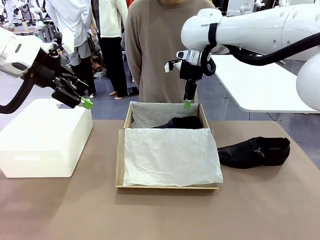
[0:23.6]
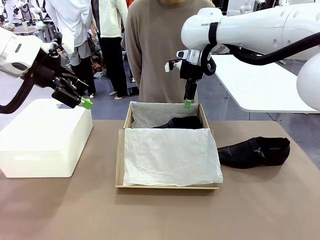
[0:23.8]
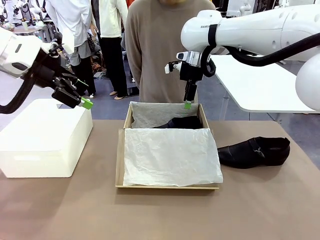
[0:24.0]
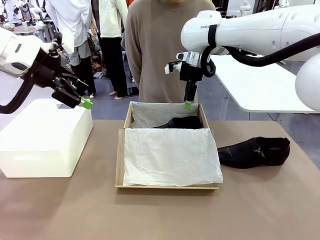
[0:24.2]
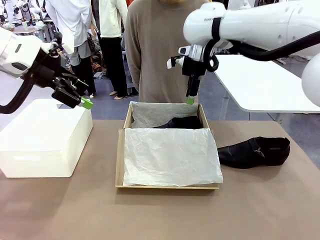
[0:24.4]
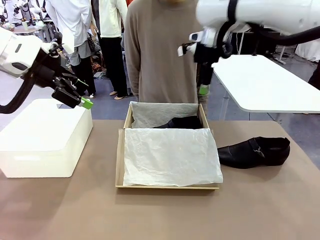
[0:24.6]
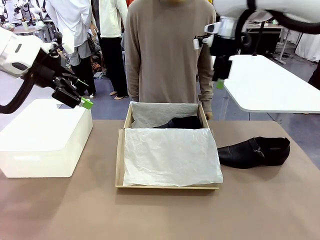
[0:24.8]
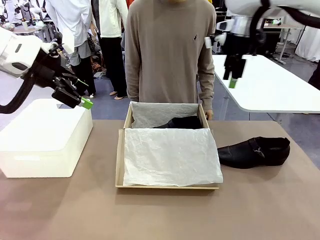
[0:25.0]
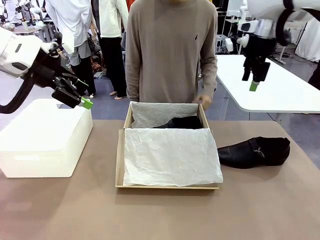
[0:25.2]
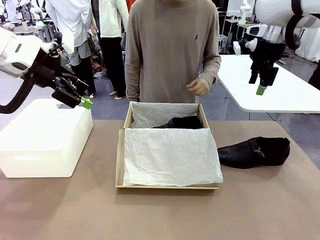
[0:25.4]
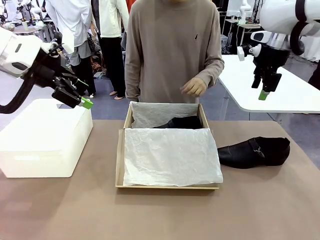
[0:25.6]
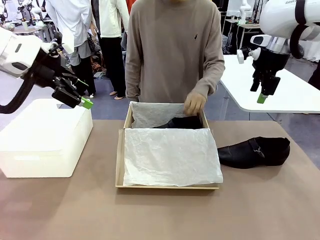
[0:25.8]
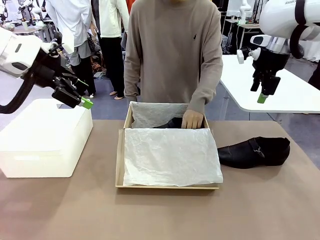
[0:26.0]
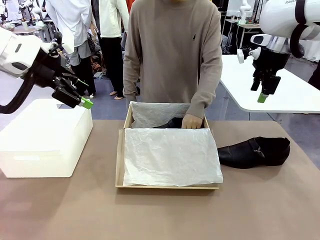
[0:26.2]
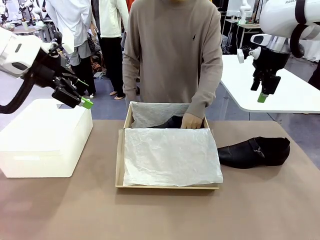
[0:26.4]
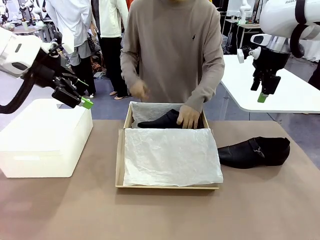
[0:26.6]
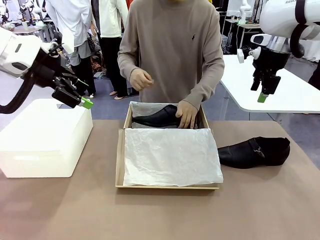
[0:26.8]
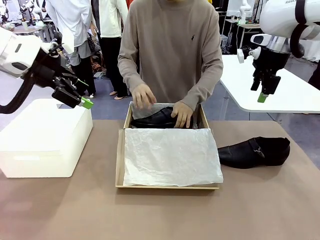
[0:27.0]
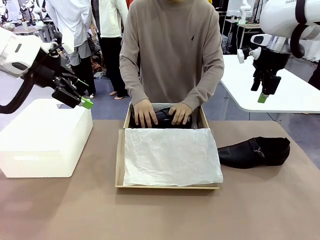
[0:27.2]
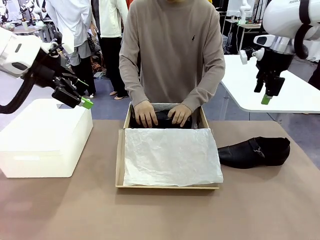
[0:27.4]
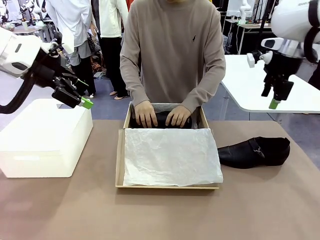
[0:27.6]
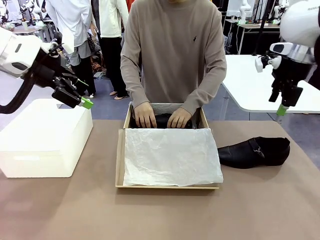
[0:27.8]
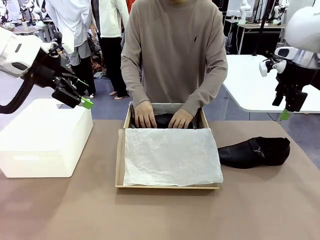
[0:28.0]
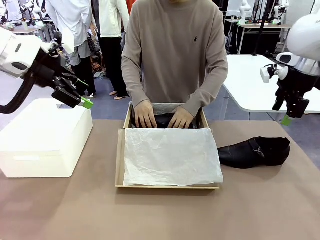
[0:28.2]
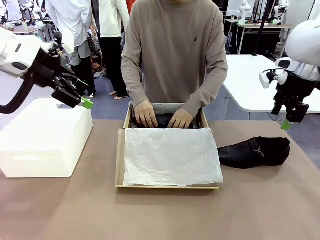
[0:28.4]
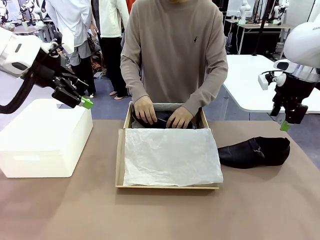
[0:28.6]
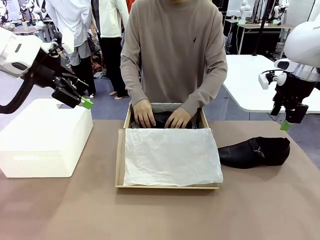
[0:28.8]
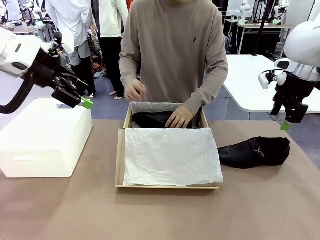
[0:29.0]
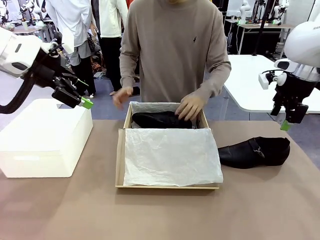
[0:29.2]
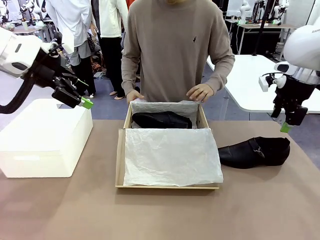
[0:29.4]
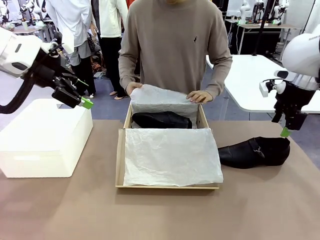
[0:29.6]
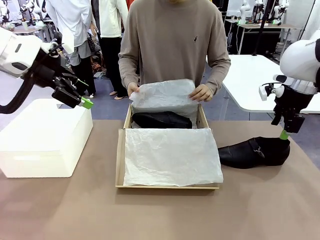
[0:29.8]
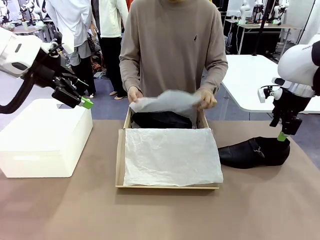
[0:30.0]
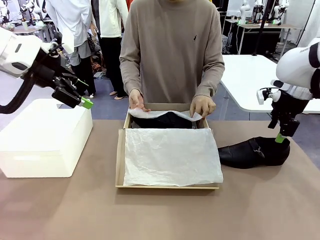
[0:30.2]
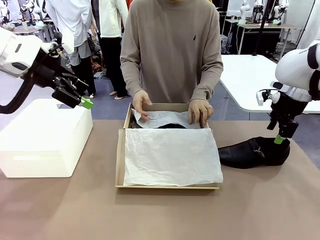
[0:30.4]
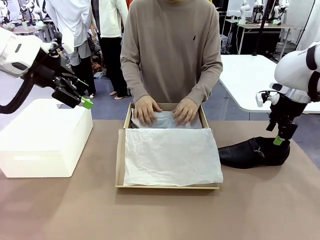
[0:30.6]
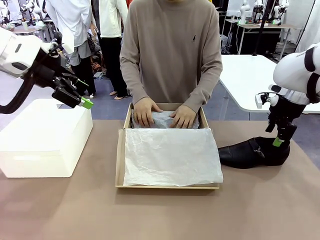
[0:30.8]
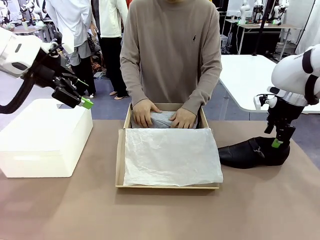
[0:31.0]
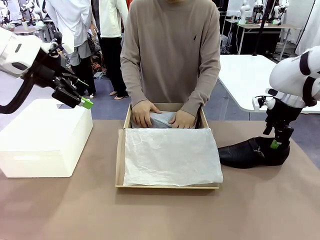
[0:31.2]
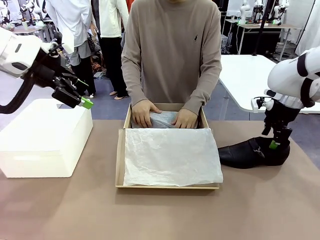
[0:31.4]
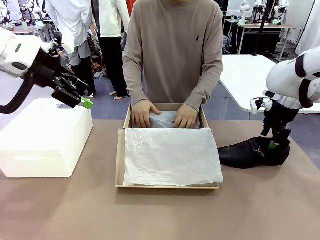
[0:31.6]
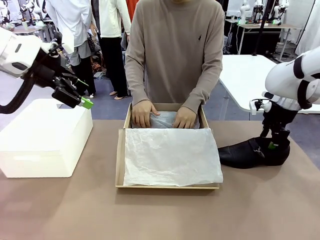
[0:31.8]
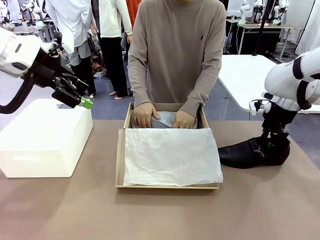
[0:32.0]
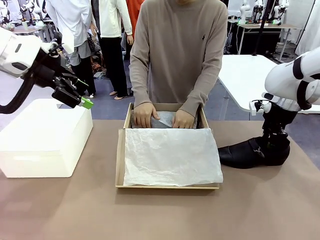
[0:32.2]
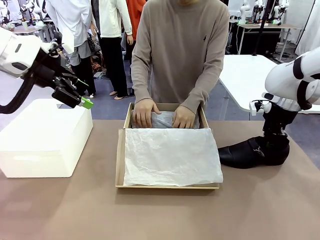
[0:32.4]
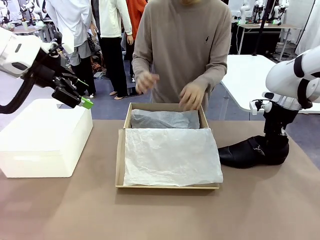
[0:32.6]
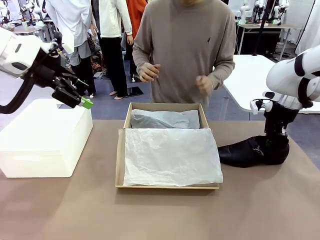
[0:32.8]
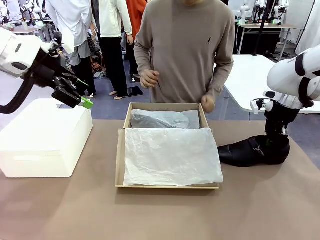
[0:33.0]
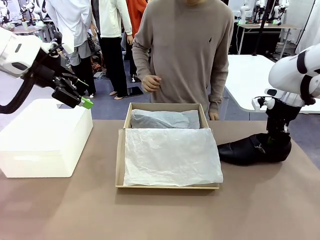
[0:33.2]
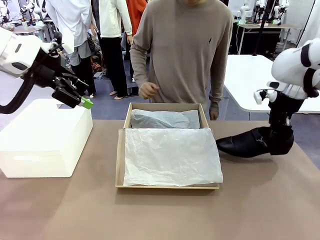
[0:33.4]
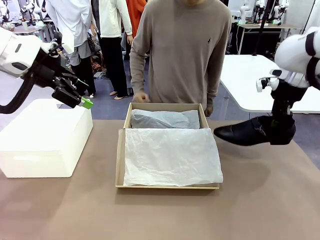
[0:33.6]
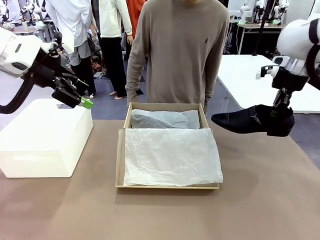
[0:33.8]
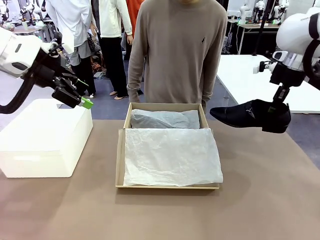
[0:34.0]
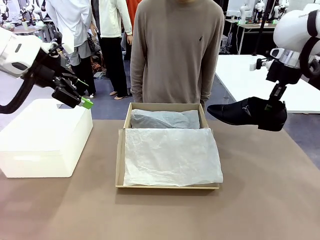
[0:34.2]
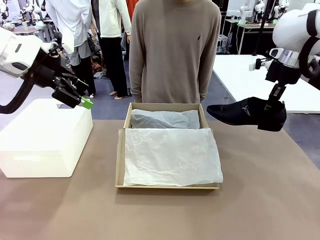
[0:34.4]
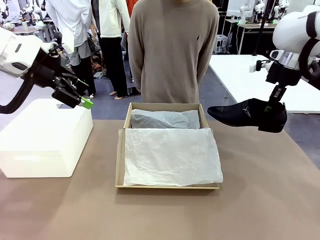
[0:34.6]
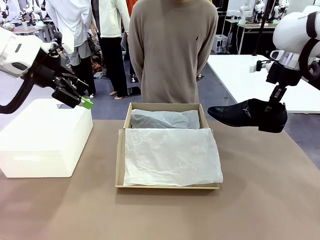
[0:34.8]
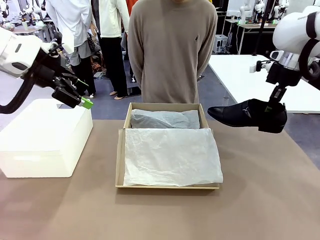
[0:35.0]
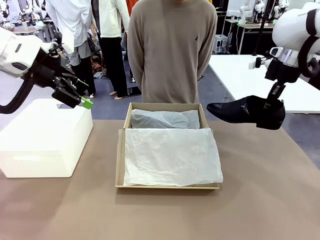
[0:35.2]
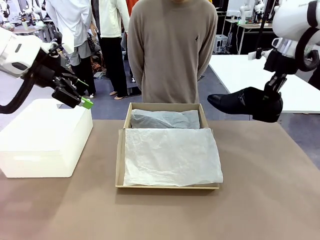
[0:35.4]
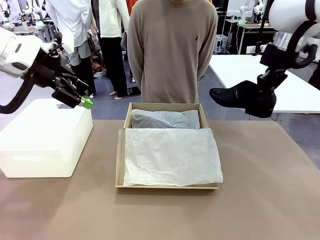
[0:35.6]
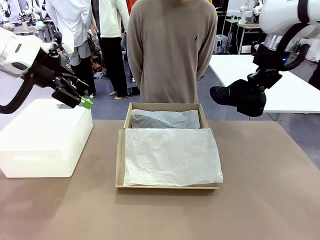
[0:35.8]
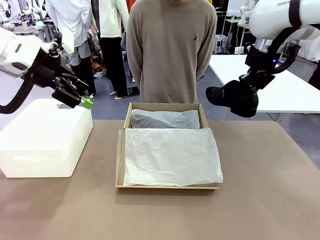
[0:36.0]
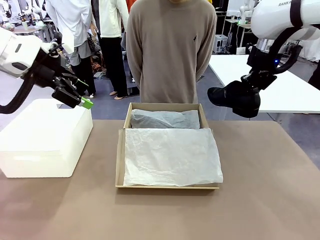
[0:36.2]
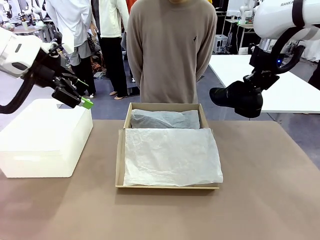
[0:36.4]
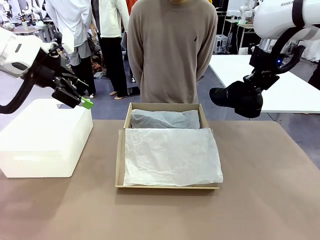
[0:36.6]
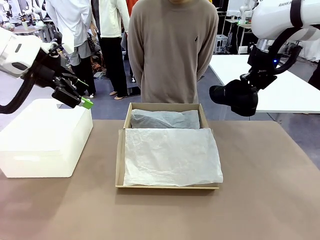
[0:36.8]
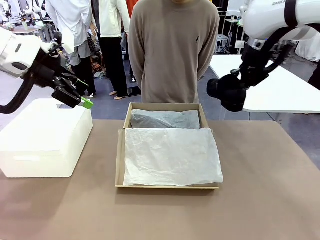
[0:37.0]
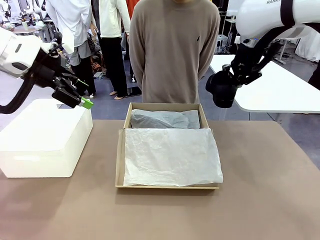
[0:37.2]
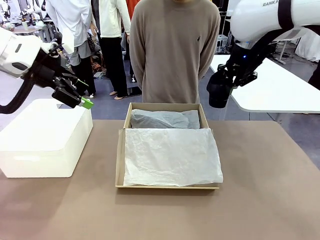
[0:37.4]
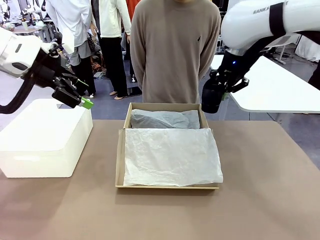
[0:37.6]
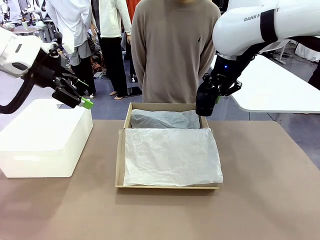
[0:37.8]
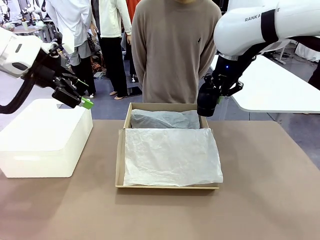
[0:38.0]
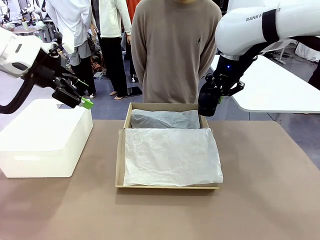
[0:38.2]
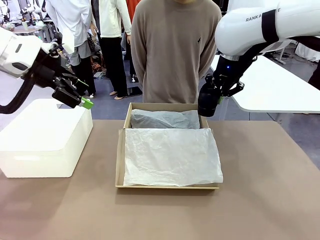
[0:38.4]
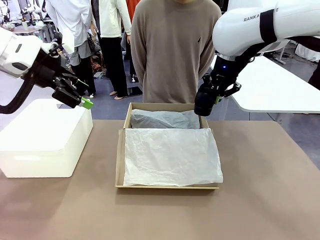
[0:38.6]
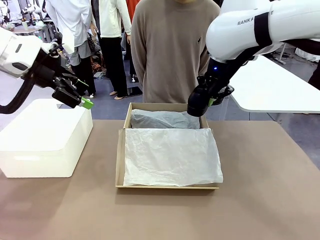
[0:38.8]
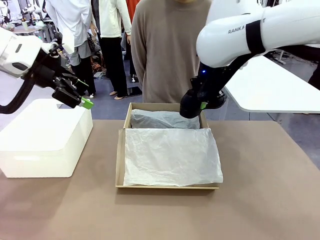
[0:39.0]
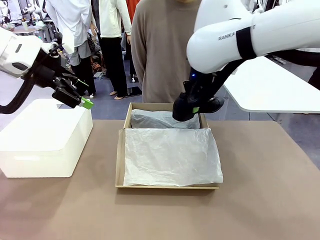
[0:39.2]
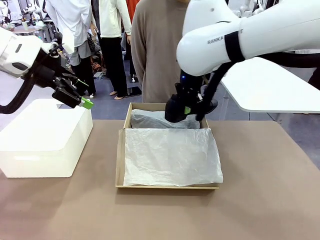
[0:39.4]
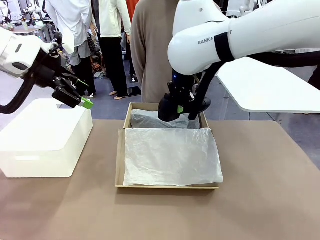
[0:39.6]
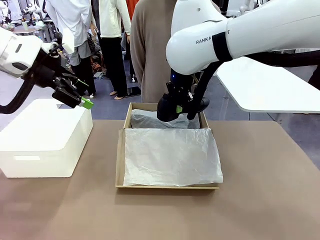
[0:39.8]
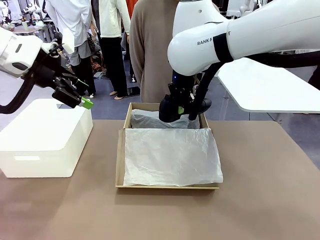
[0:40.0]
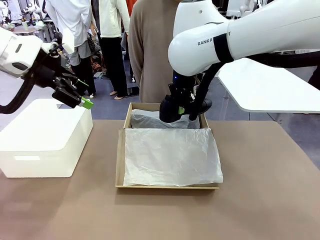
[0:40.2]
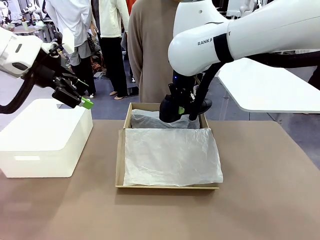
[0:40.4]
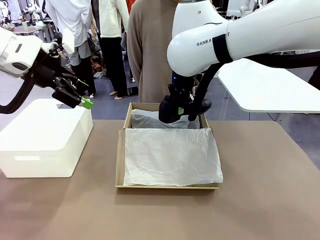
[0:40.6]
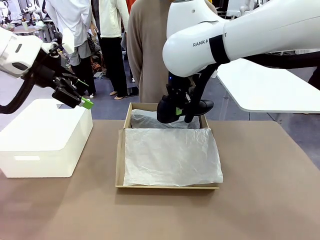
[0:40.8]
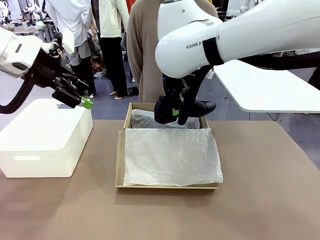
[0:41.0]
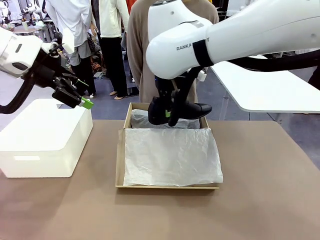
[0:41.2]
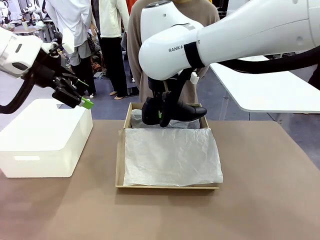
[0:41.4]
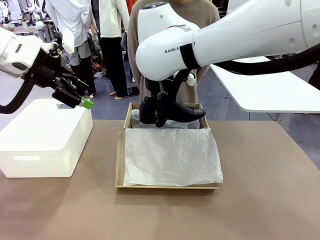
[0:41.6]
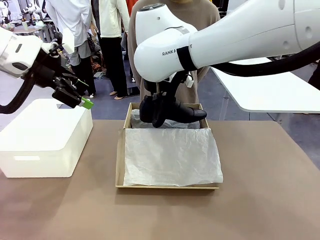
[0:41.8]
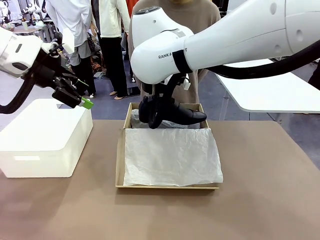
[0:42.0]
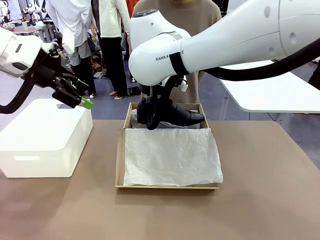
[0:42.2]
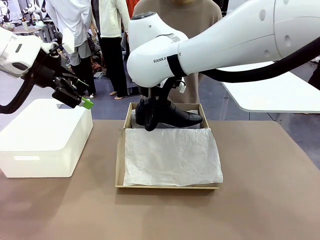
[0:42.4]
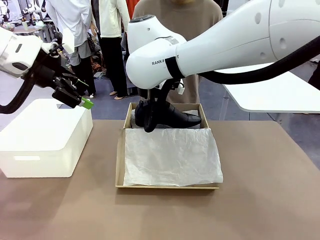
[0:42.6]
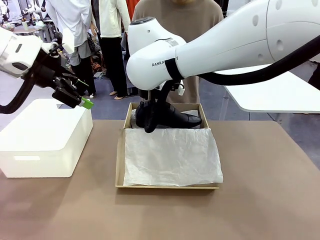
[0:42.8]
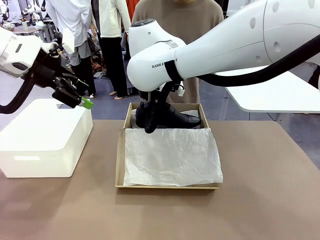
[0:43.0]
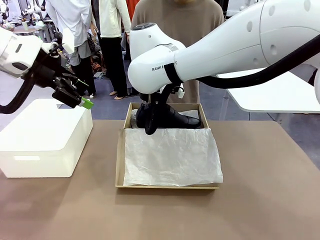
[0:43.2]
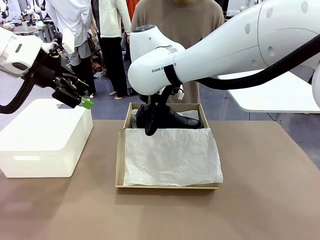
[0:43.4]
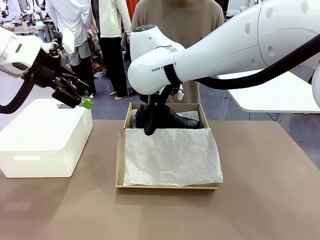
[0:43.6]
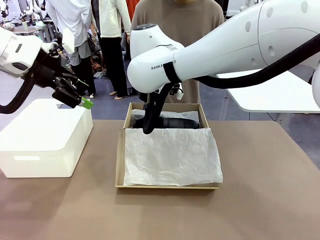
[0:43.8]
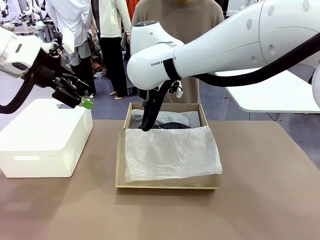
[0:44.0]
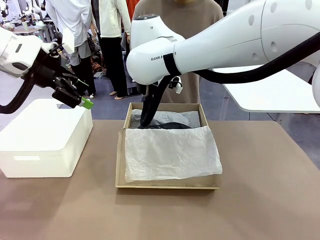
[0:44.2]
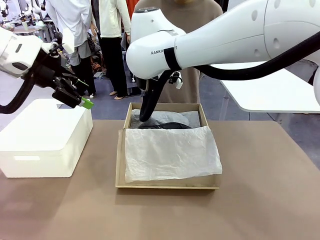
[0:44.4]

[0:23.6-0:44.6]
Task: Pack the shoes into the box.
Robot: Place the other shoe of the Shoes into the Shoes Box.
Person: Pack a shoe of Shoes inside the Shoes Box with Shoes Wrapping Paper.
